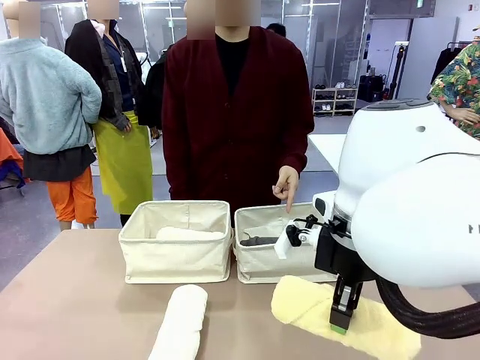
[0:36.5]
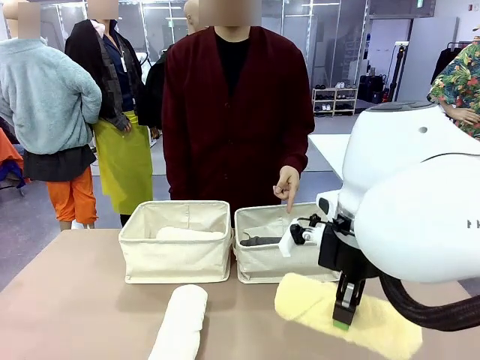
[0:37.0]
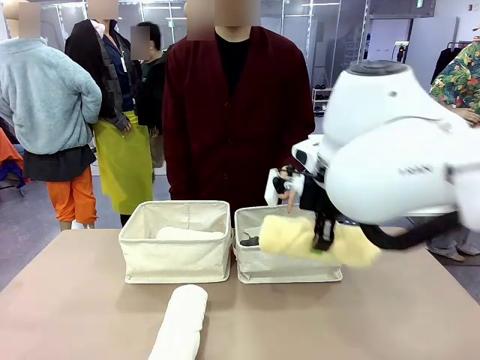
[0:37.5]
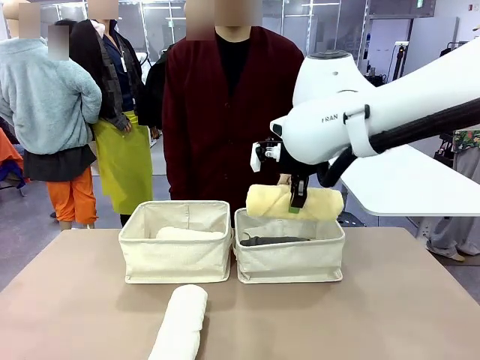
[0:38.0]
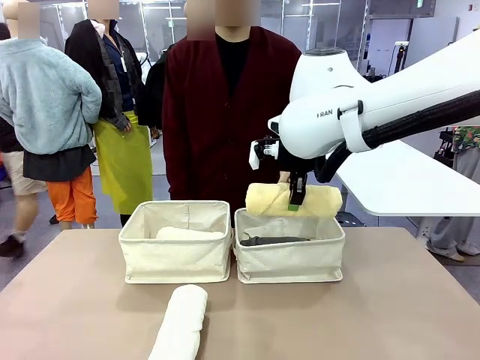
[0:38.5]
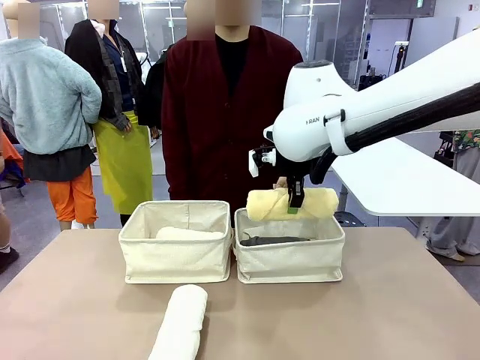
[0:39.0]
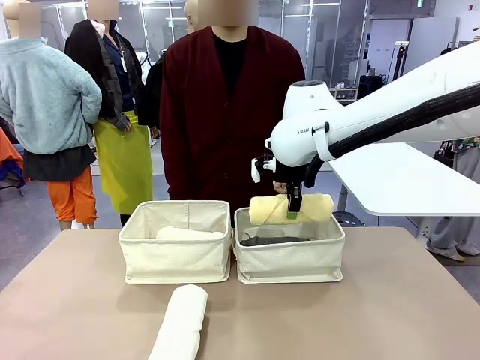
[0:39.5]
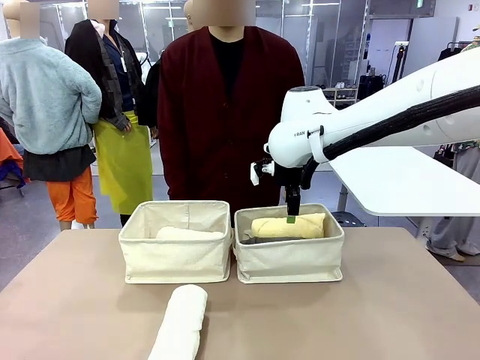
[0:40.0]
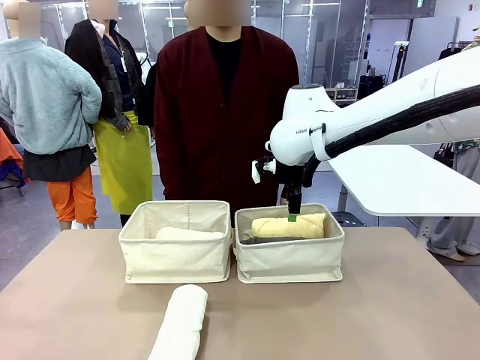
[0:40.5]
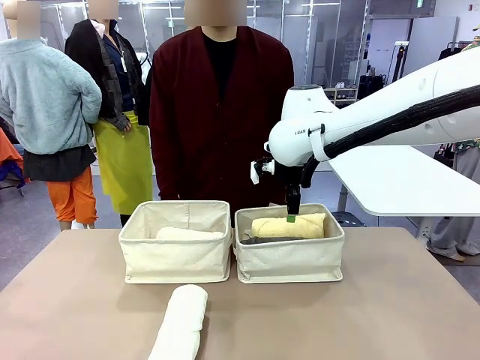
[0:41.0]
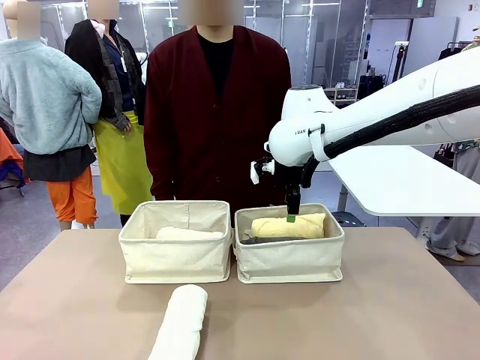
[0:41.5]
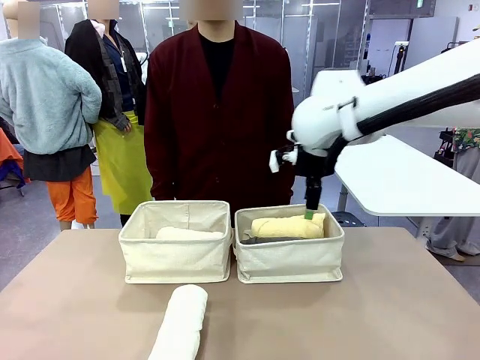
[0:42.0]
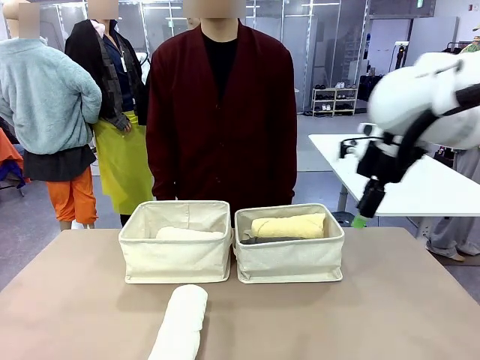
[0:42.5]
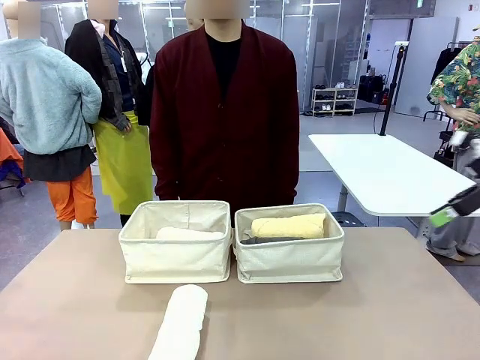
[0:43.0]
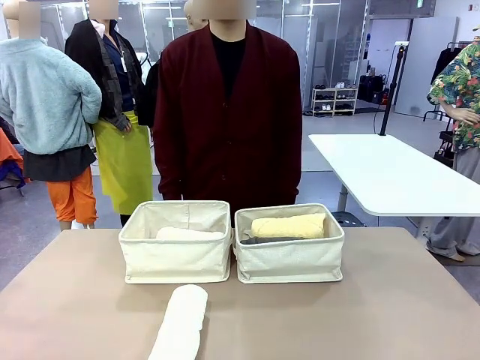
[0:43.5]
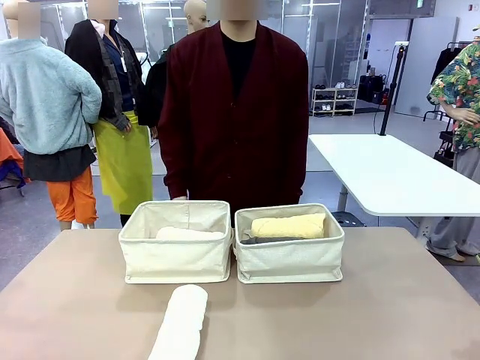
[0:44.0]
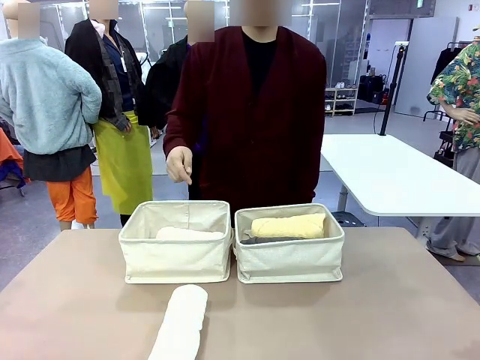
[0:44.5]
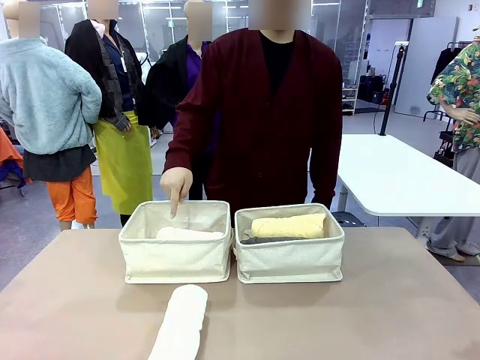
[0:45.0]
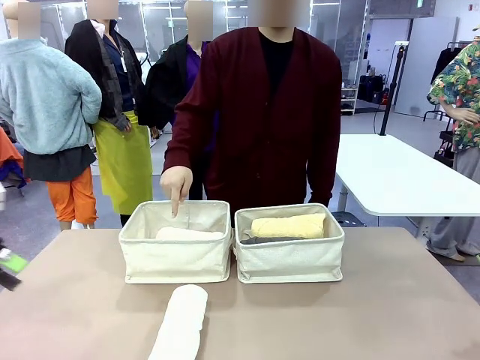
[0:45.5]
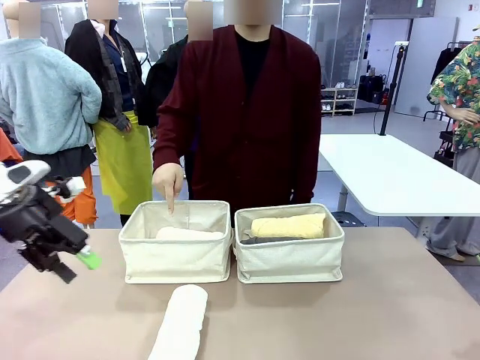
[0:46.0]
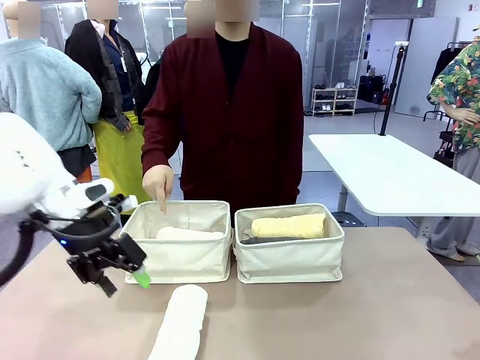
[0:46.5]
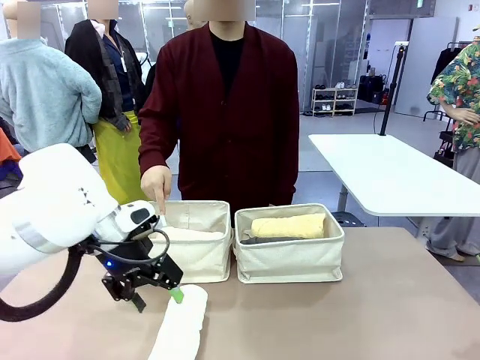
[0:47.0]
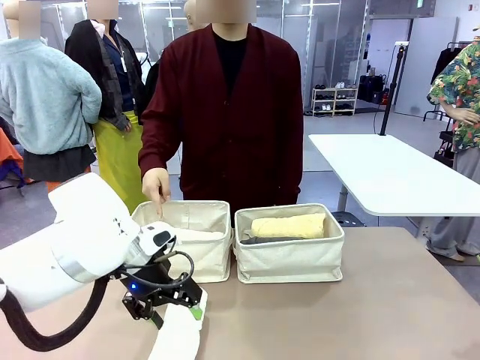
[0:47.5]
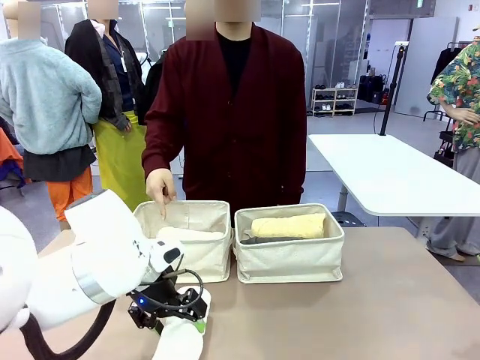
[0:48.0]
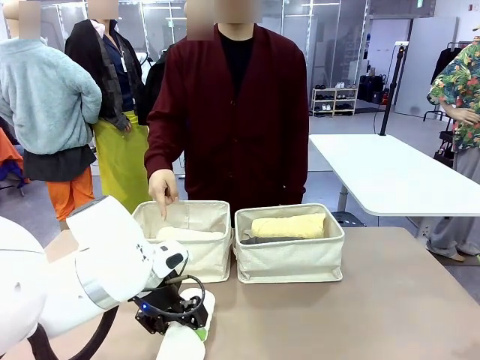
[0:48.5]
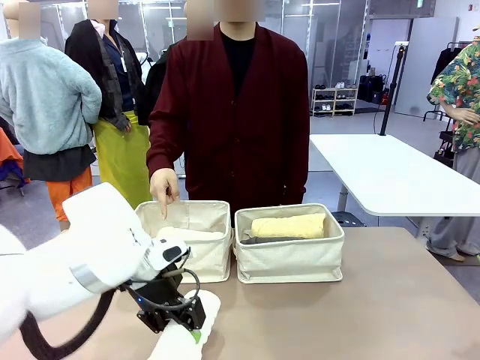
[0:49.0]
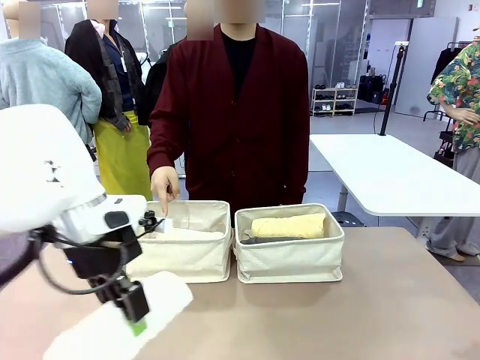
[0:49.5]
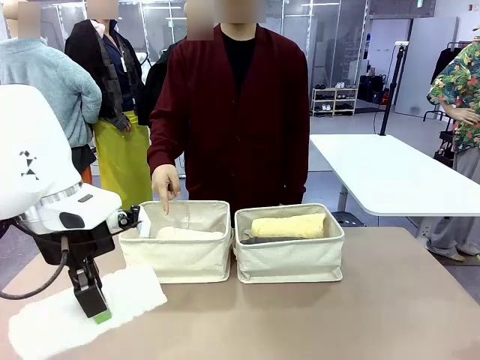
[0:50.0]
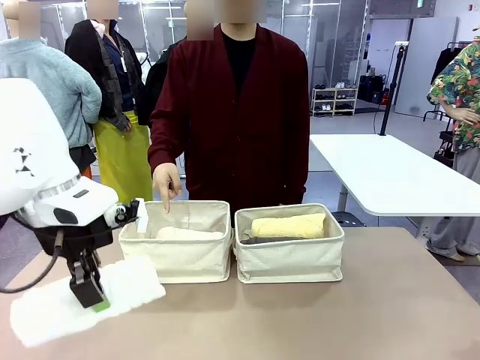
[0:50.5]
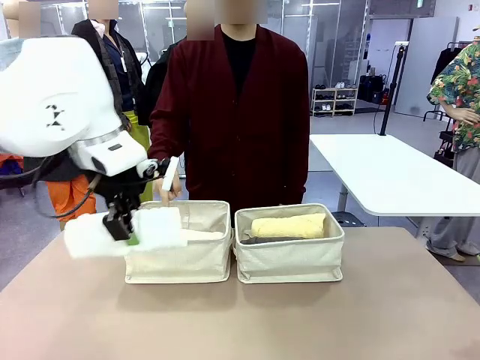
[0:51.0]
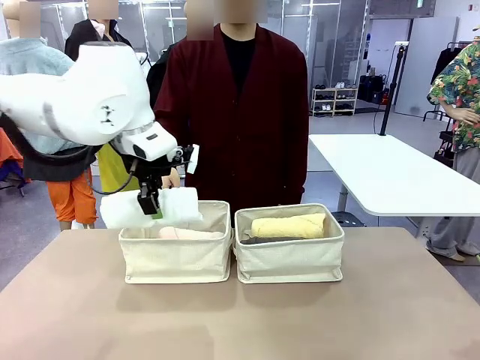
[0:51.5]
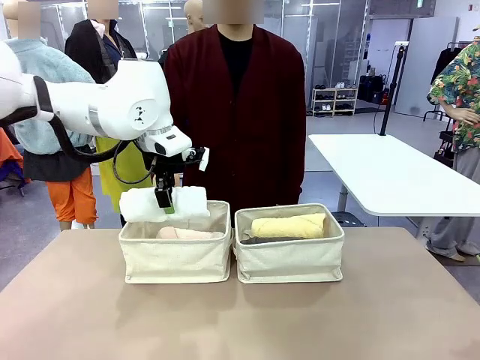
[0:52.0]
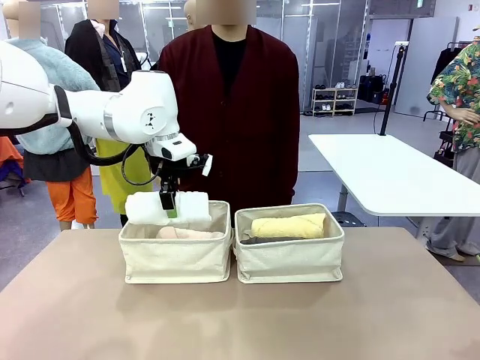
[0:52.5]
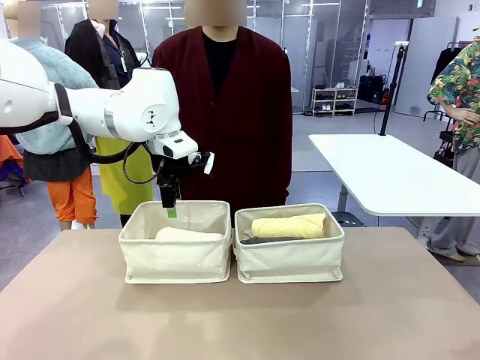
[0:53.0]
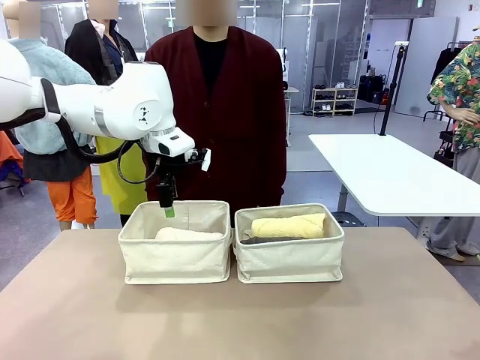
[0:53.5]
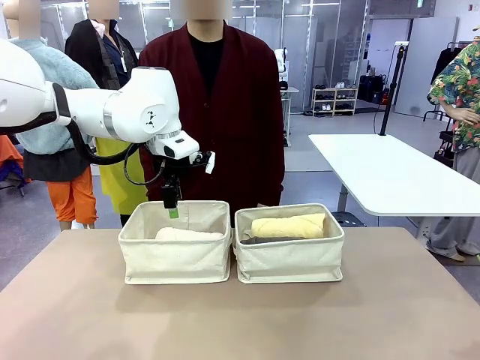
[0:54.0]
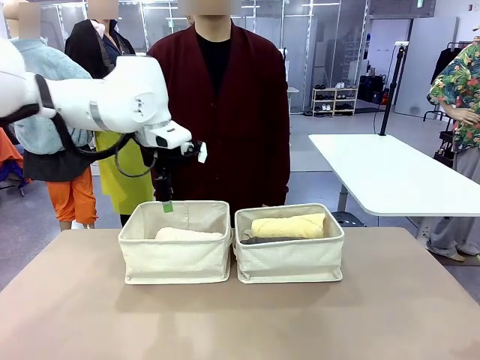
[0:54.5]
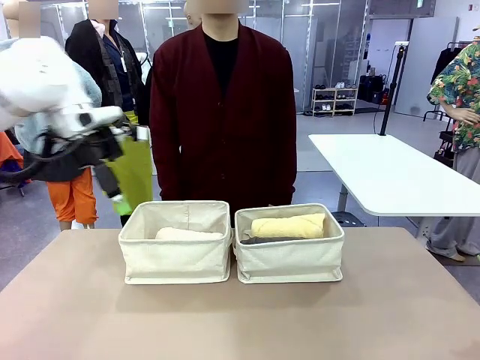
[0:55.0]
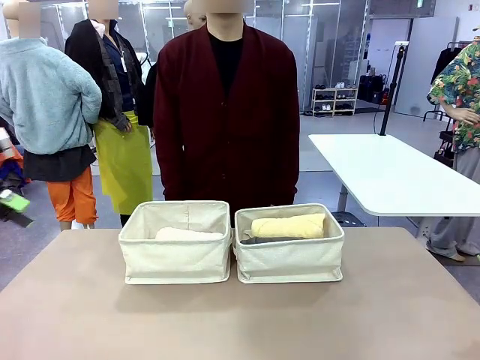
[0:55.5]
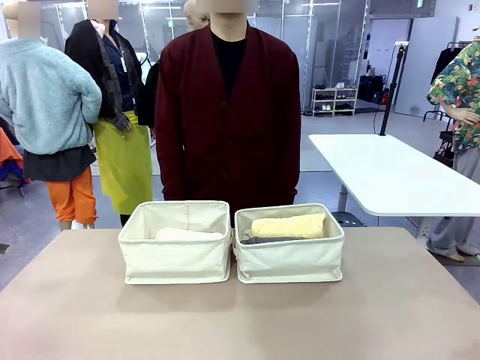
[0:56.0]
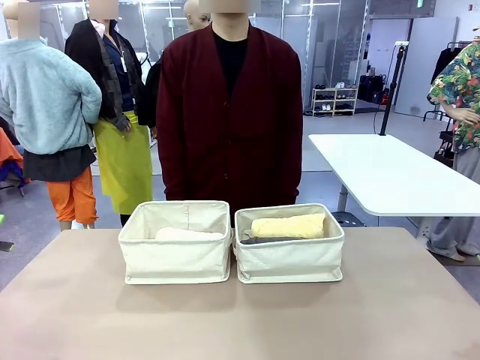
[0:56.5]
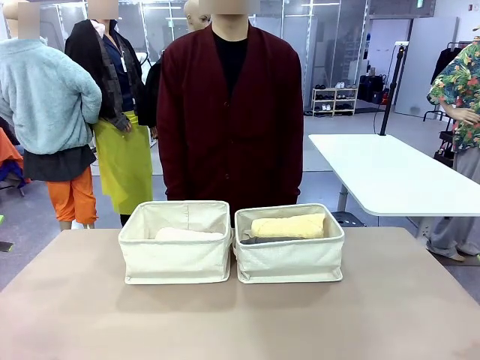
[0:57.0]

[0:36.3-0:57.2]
Task: Divide the towels into two baskets.
Robot: Pick up one hotel-folded towel from the bottom of the table and place it in the Fabric basket indicated by the person.

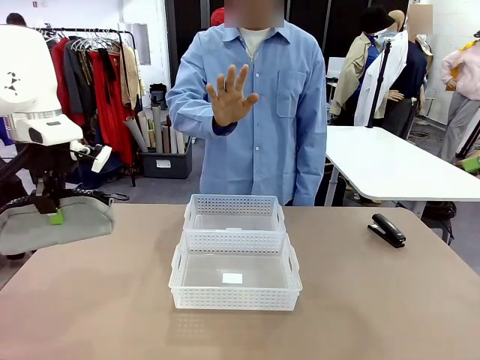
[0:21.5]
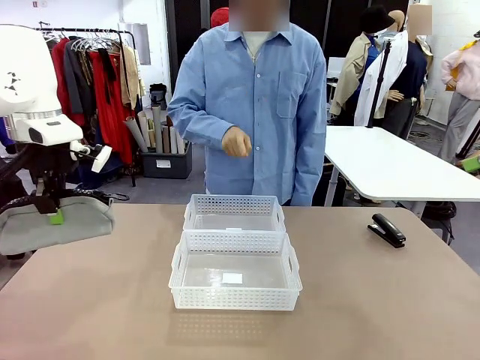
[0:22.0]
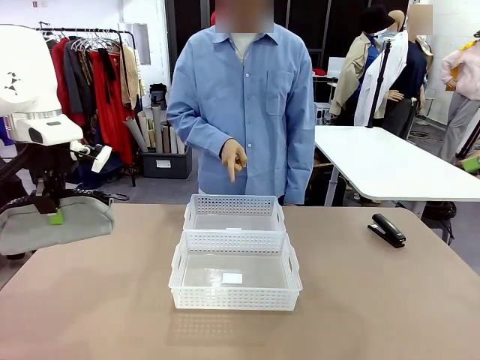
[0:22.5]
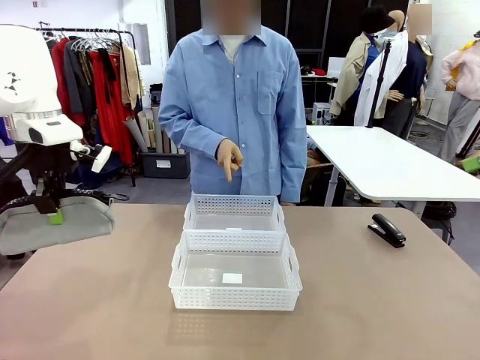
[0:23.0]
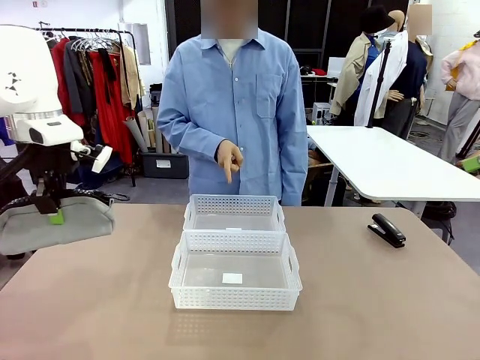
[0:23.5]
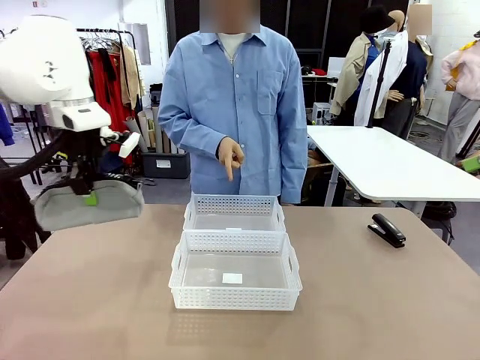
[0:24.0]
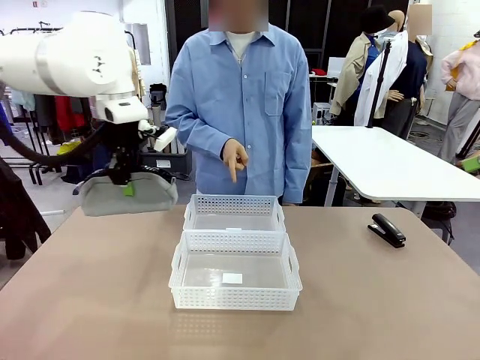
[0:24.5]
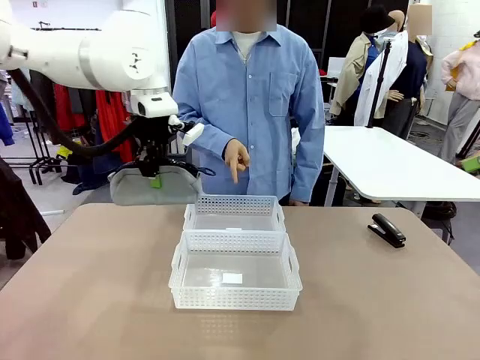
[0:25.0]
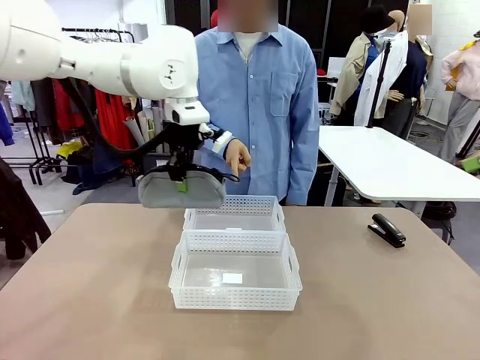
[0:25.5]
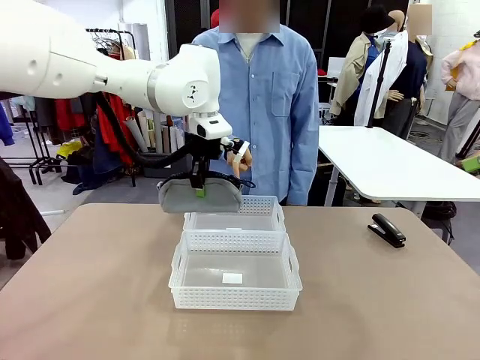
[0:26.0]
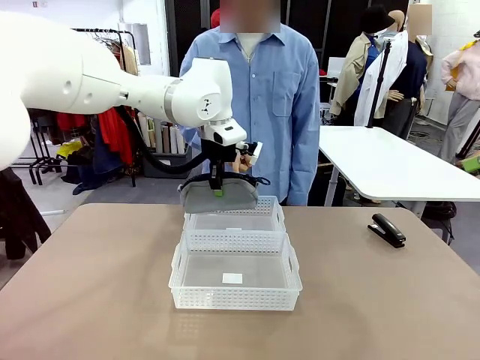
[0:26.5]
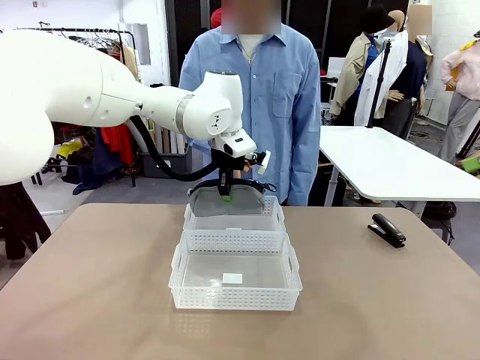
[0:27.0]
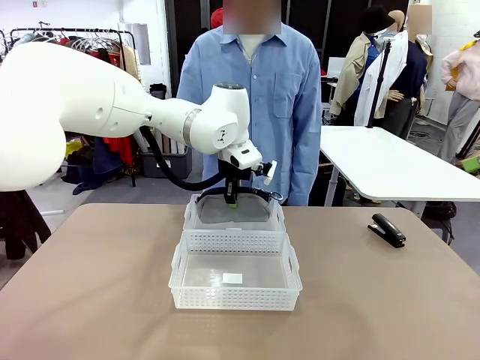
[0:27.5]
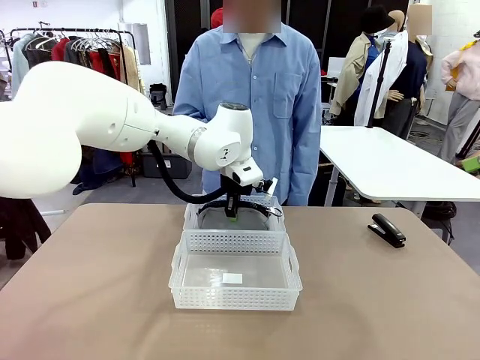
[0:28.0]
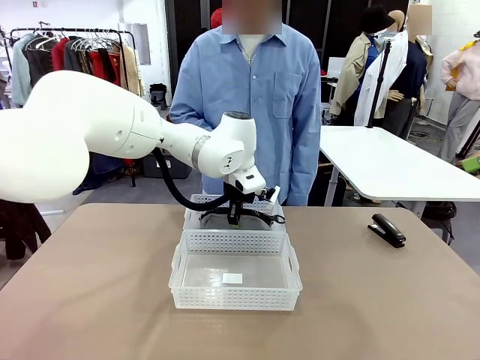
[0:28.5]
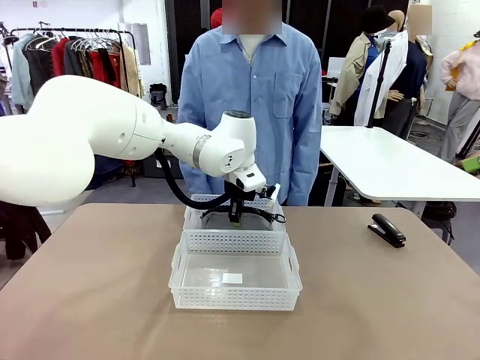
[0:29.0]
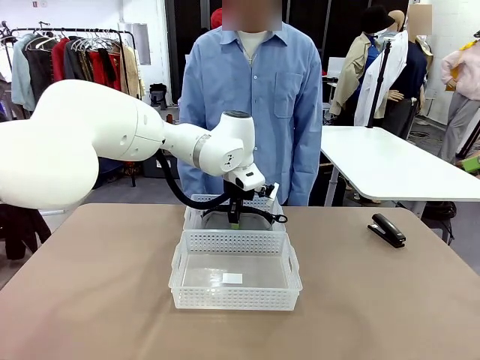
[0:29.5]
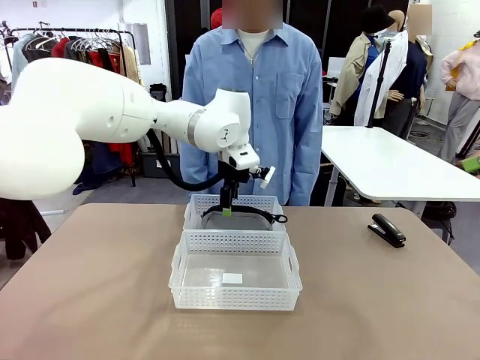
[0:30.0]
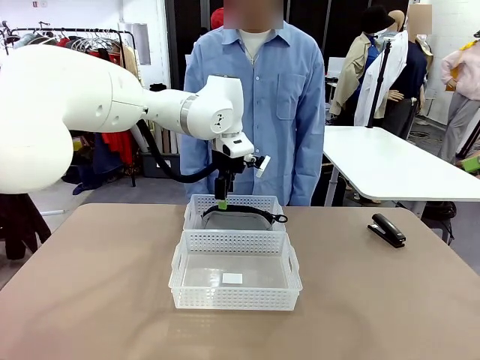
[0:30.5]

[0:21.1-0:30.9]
Task: Distribute items into two baskets.
Robot: Place the picked Pencil pouch into the Organizing basket as instructed by the person.
Person: Instructs the robot to place the pencil case into the opposite basket. Points to the stapler.
